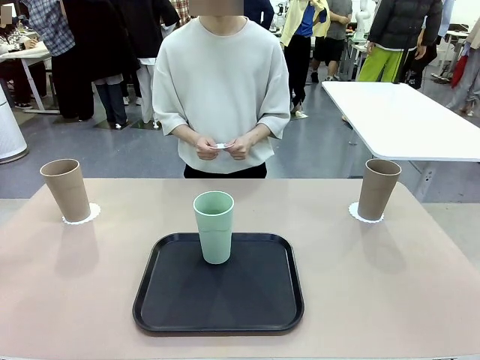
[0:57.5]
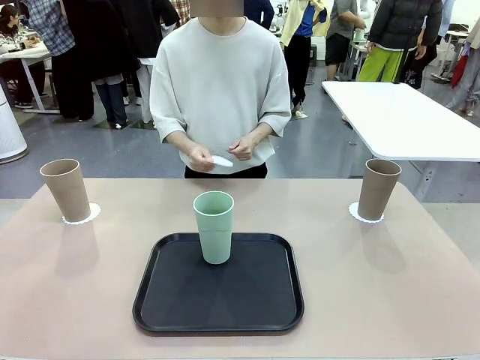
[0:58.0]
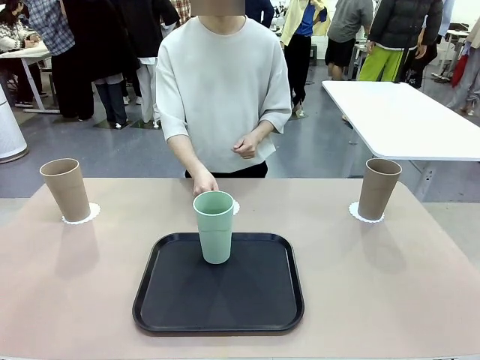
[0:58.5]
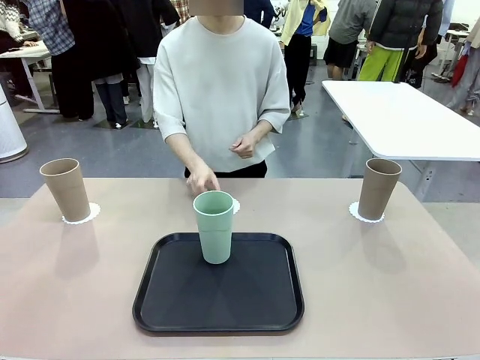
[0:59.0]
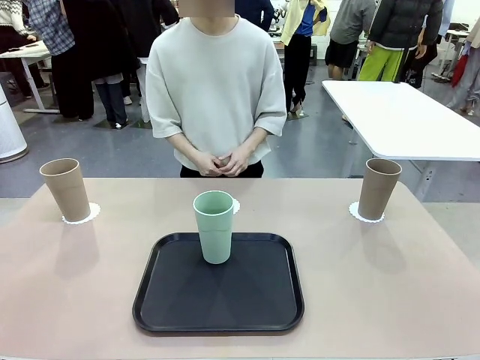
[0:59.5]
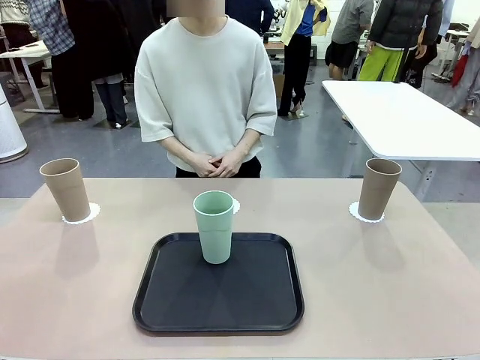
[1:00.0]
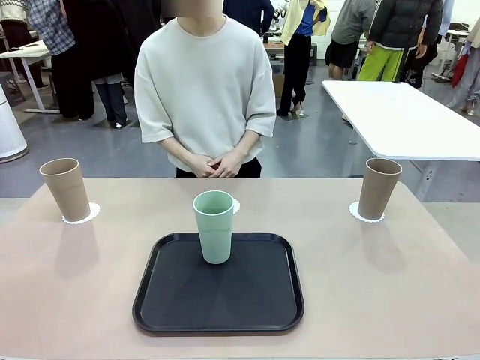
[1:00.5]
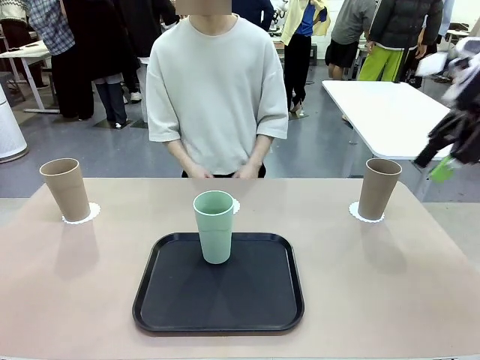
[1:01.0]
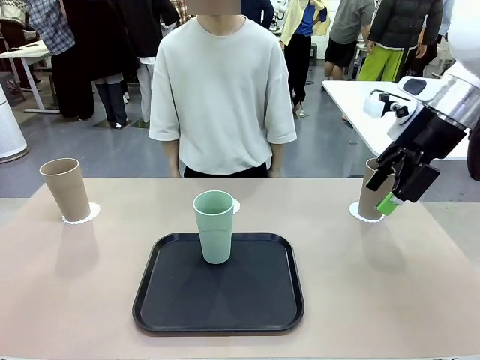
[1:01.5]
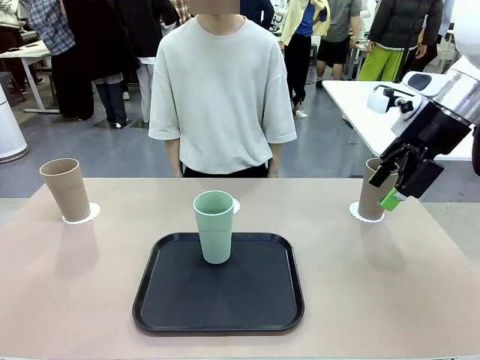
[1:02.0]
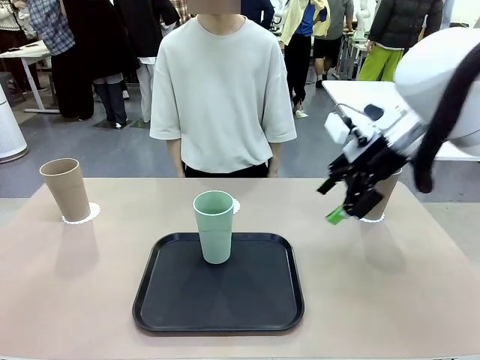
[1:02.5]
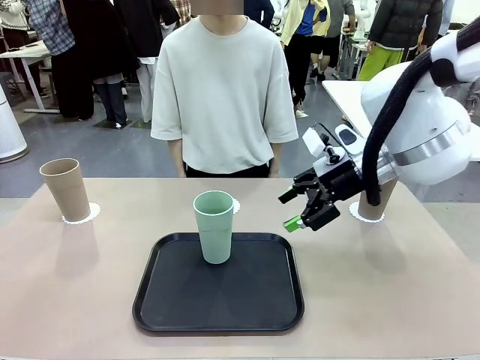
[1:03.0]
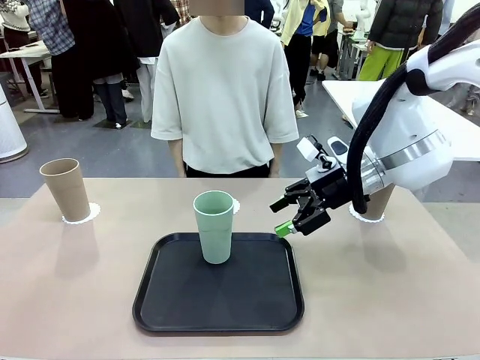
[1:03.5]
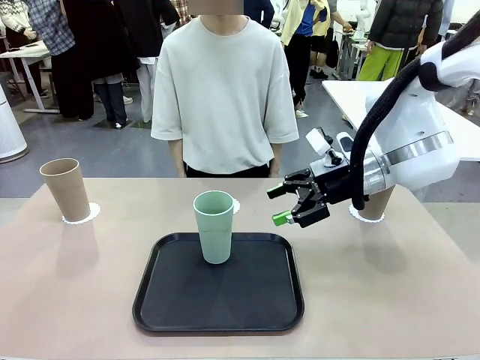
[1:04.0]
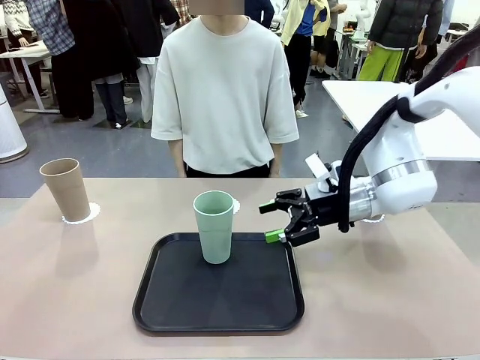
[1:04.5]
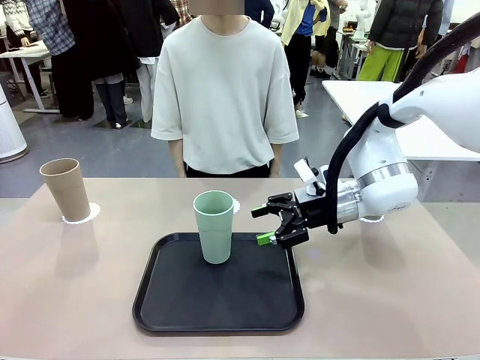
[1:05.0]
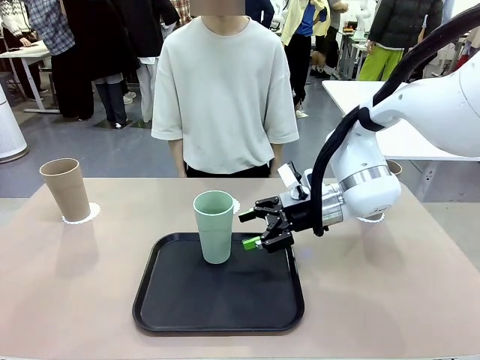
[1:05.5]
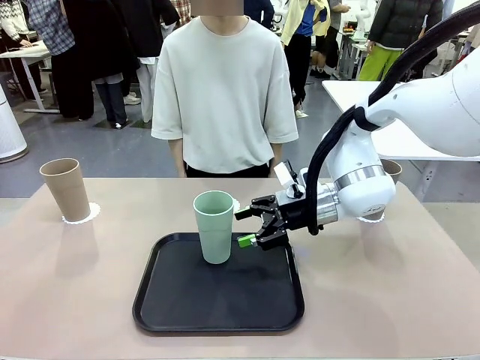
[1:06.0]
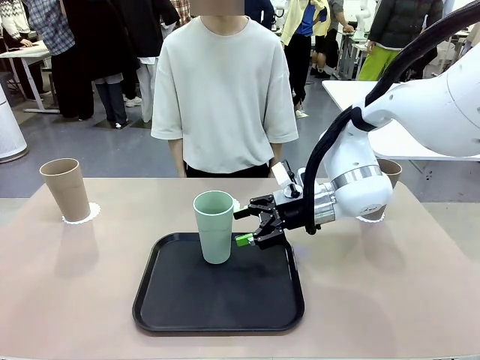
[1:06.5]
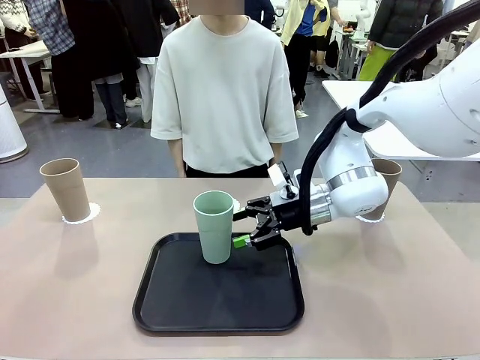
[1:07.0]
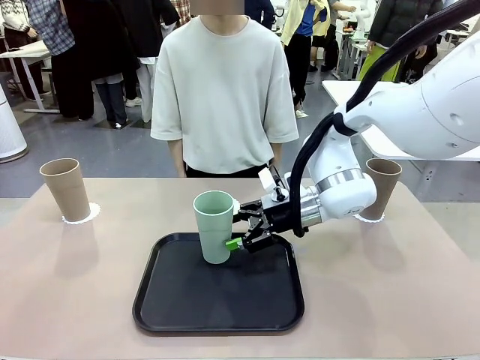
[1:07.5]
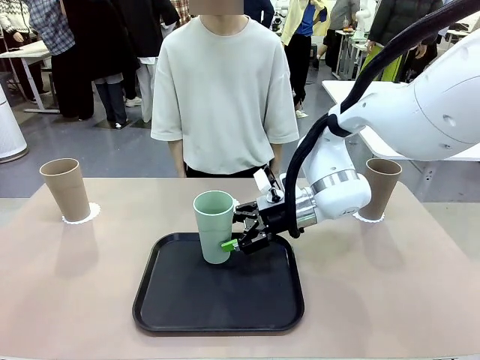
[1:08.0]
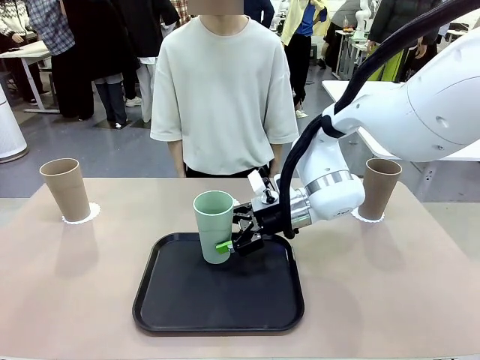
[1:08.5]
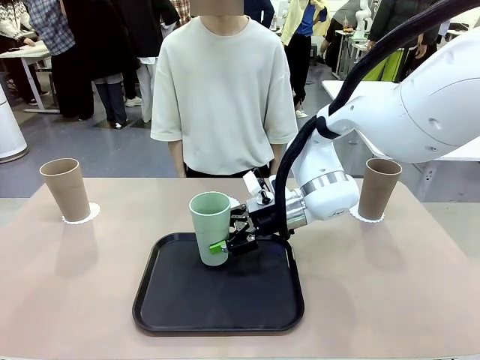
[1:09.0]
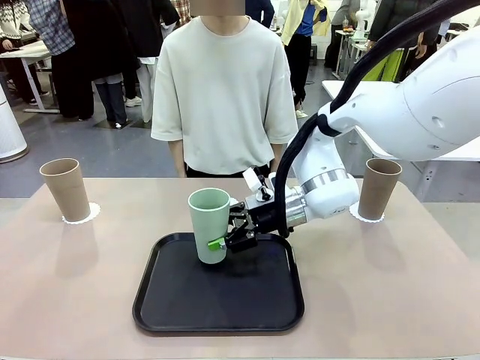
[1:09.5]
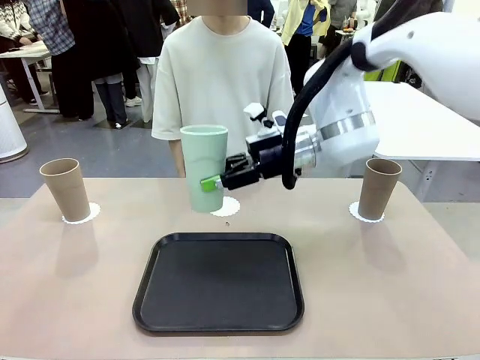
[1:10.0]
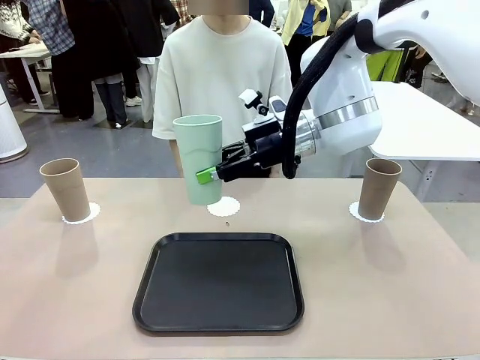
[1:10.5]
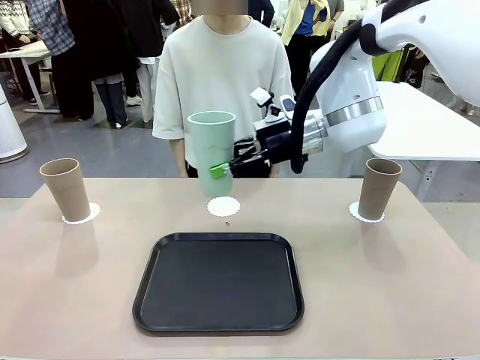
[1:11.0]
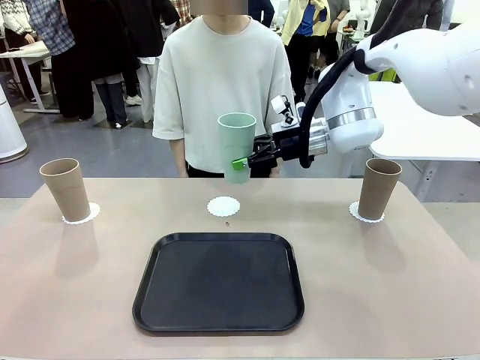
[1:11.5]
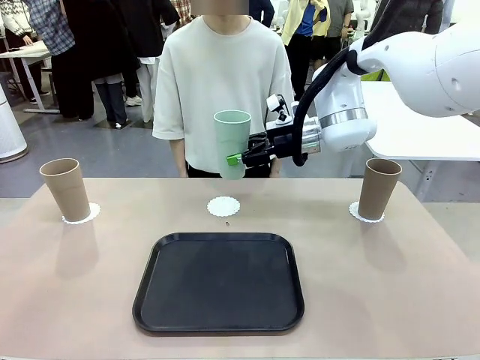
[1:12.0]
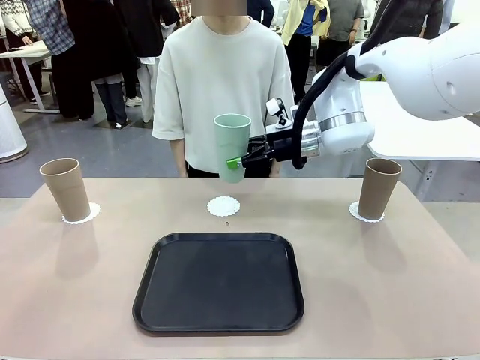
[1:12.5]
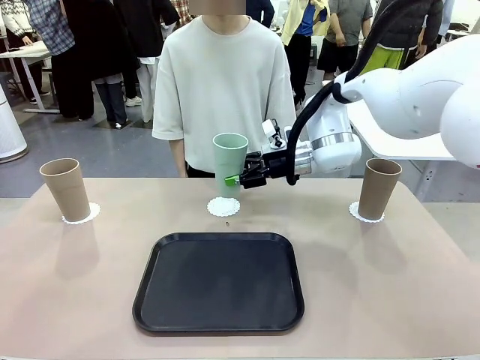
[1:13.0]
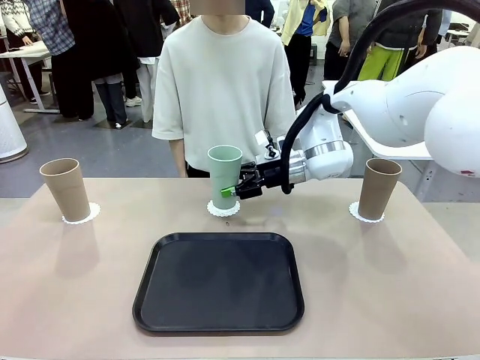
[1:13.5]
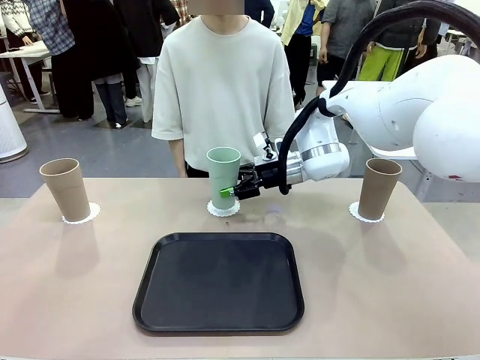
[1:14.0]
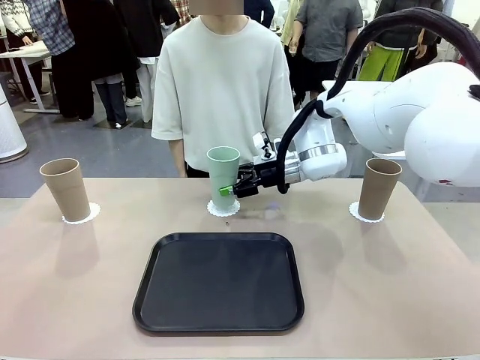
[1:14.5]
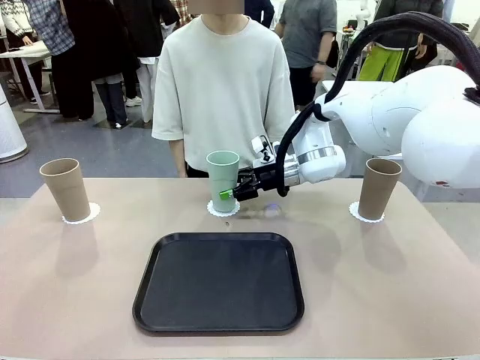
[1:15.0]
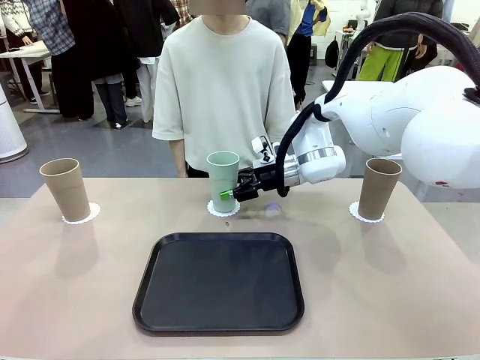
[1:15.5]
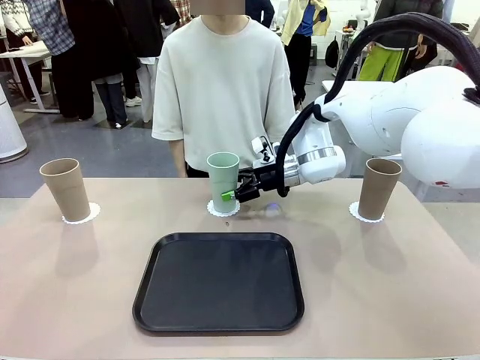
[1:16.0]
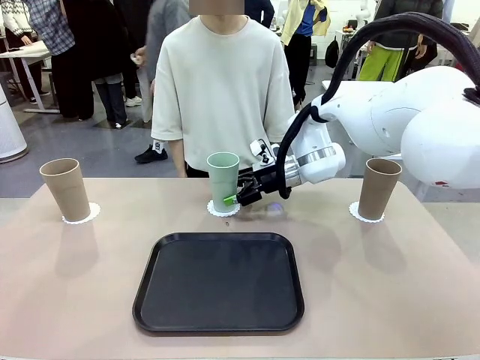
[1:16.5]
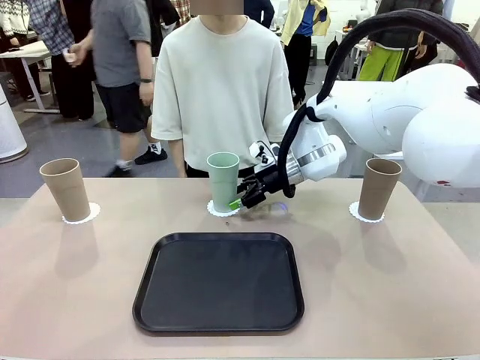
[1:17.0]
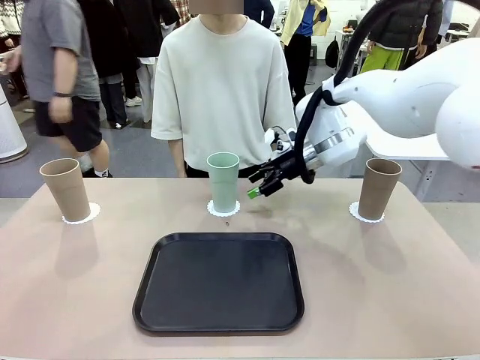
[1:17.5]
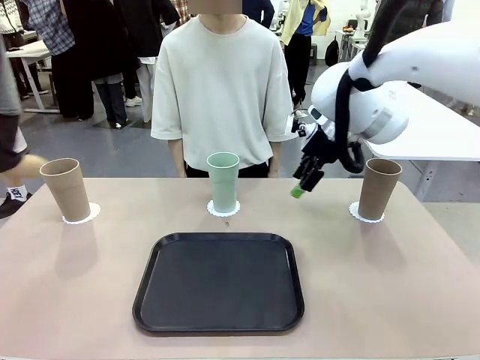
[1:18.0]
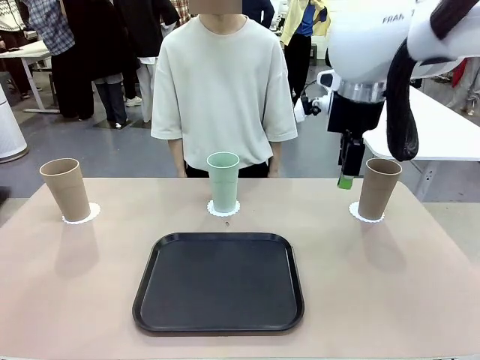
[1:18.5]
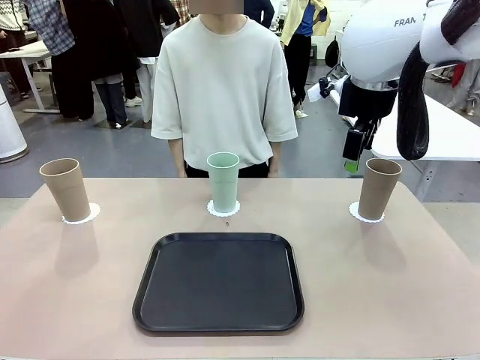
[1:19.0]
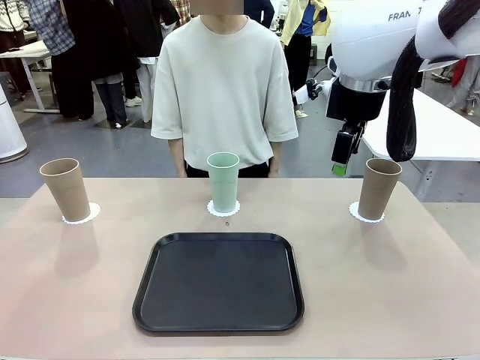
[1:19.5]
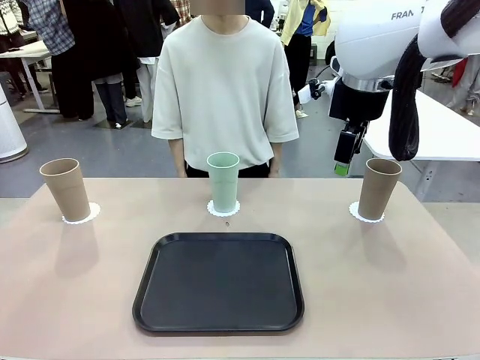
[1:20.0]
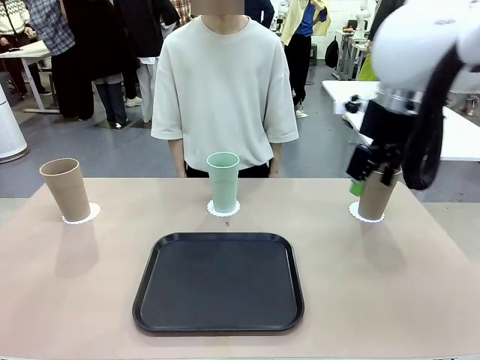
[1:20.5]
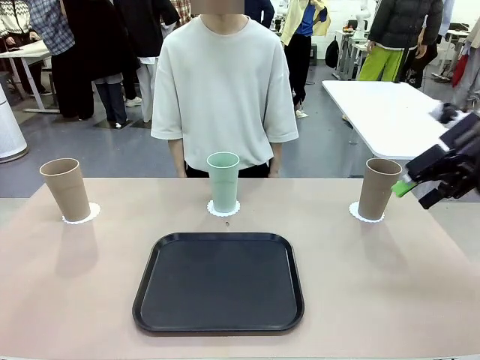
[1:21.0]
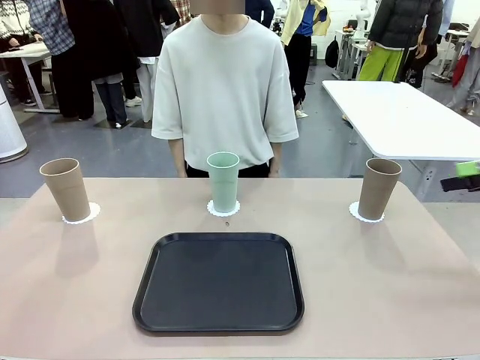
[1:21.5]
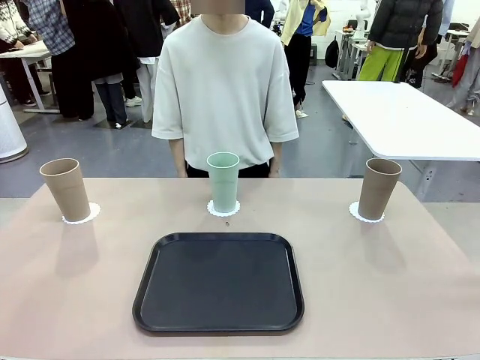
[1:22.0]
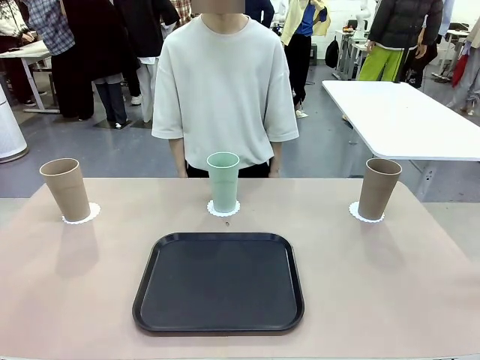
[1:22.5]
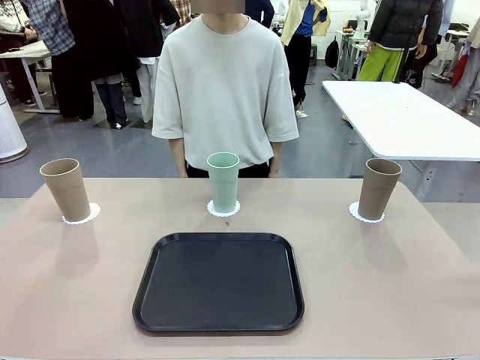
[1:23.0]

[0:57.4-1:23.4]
Task: Place coasters on the table and set cups on them.
Robot: Take one Reusable plastic cup from the Flat Tray and place it on a coaster set by the human.
Person: Place one coaster in the only remaining area.
